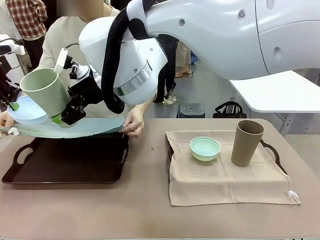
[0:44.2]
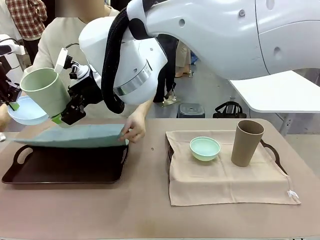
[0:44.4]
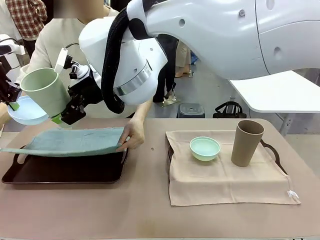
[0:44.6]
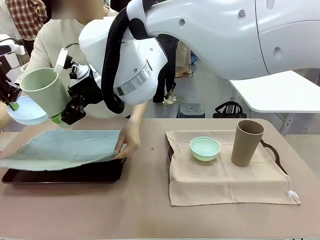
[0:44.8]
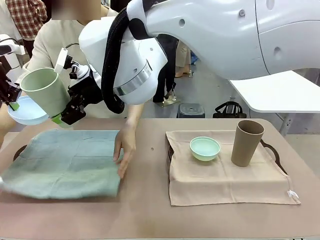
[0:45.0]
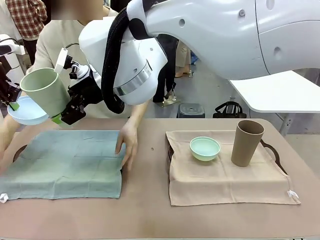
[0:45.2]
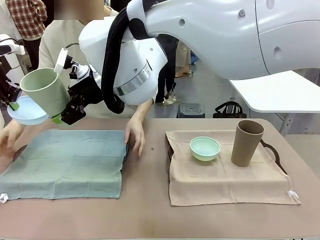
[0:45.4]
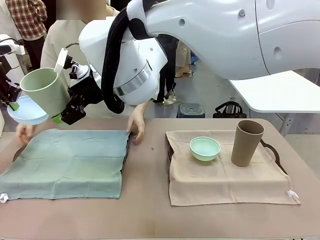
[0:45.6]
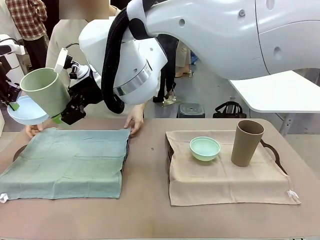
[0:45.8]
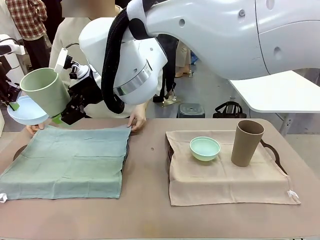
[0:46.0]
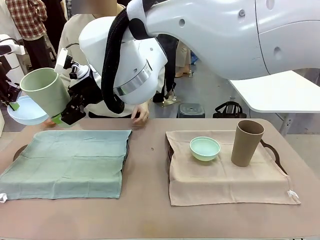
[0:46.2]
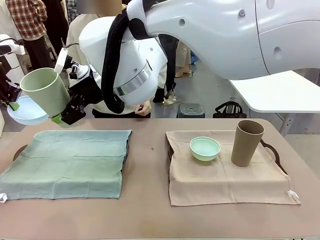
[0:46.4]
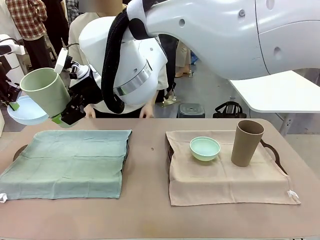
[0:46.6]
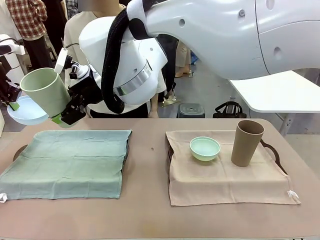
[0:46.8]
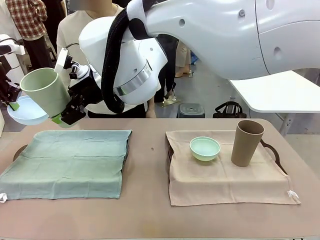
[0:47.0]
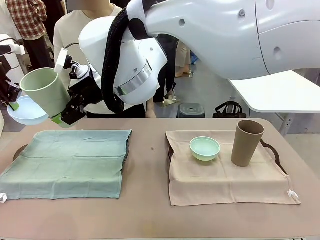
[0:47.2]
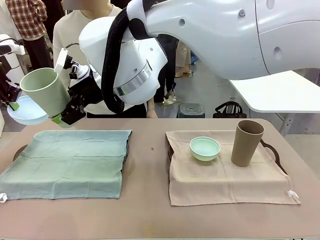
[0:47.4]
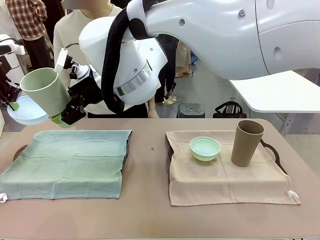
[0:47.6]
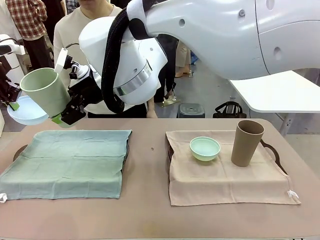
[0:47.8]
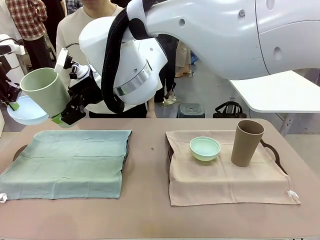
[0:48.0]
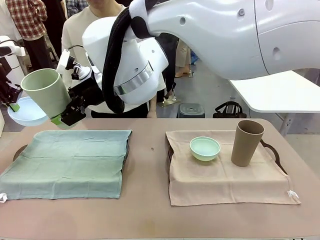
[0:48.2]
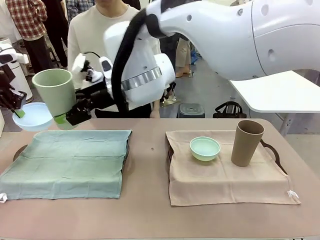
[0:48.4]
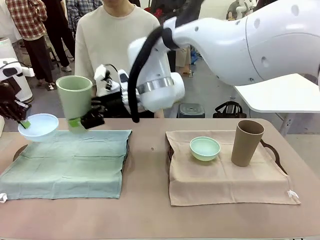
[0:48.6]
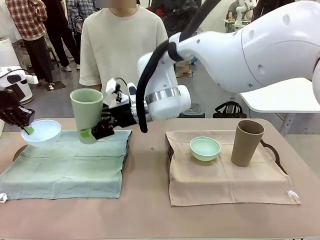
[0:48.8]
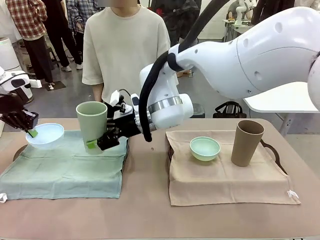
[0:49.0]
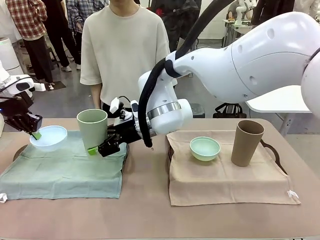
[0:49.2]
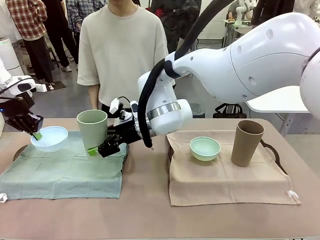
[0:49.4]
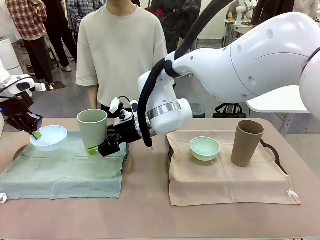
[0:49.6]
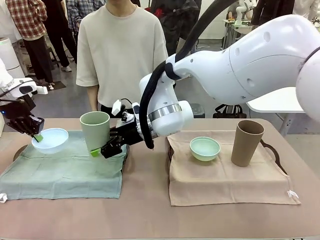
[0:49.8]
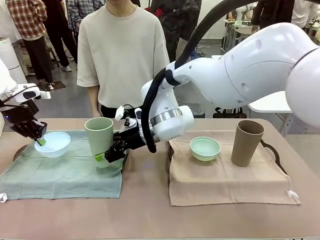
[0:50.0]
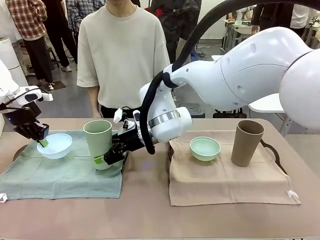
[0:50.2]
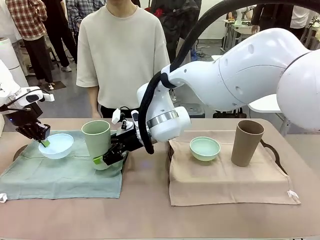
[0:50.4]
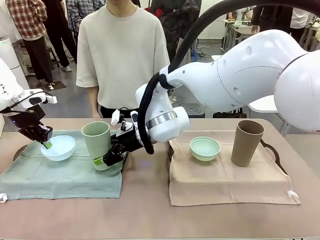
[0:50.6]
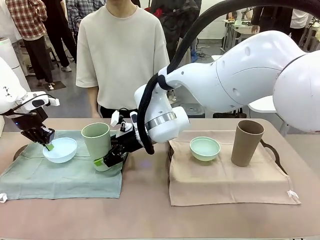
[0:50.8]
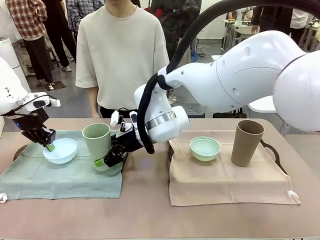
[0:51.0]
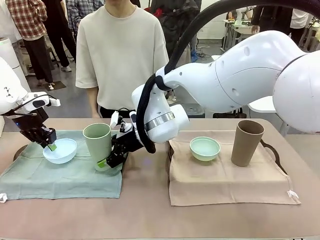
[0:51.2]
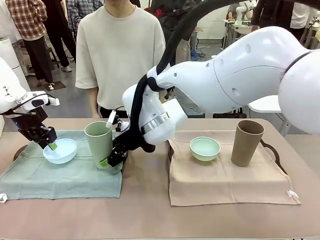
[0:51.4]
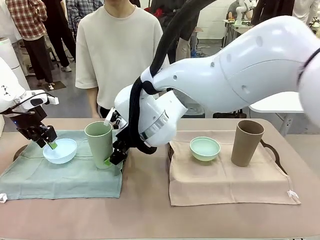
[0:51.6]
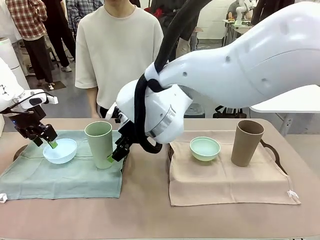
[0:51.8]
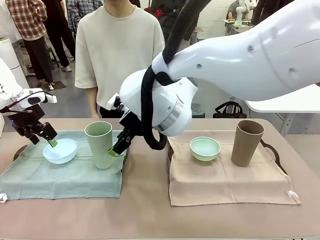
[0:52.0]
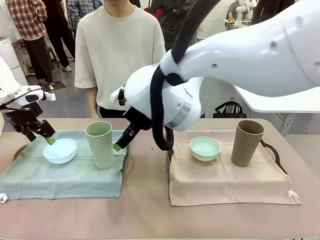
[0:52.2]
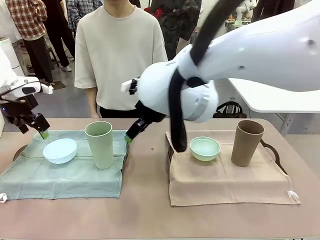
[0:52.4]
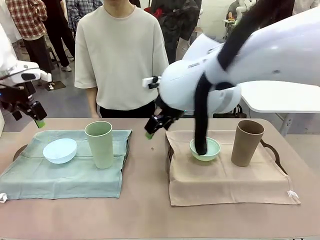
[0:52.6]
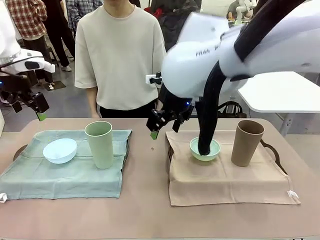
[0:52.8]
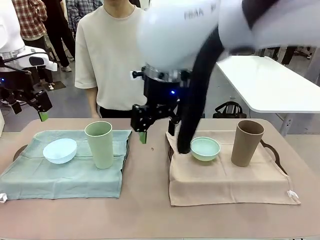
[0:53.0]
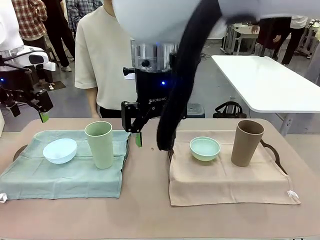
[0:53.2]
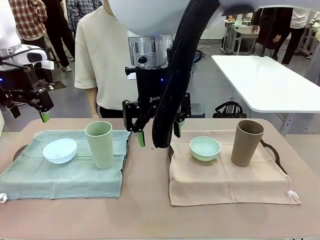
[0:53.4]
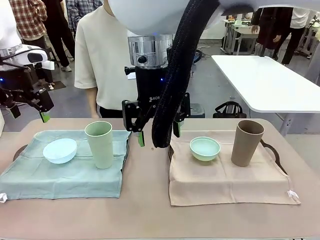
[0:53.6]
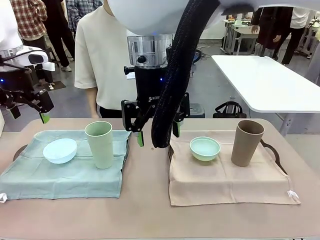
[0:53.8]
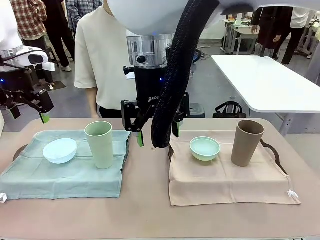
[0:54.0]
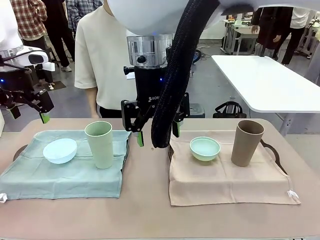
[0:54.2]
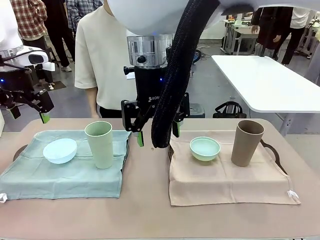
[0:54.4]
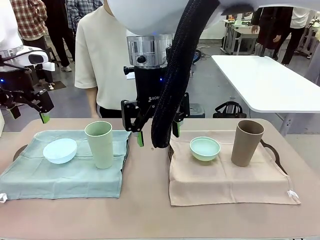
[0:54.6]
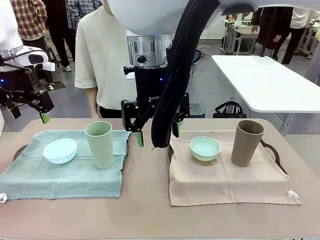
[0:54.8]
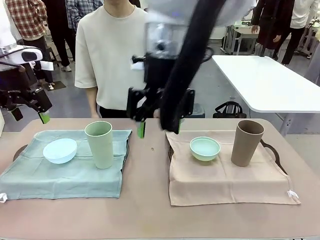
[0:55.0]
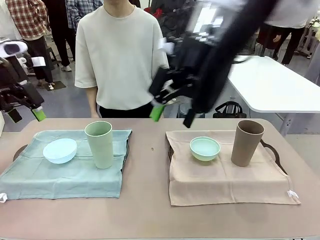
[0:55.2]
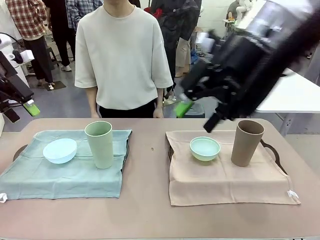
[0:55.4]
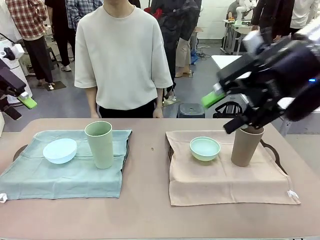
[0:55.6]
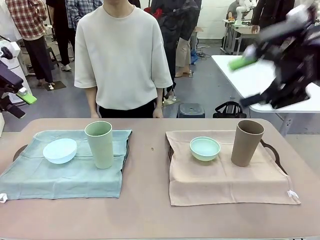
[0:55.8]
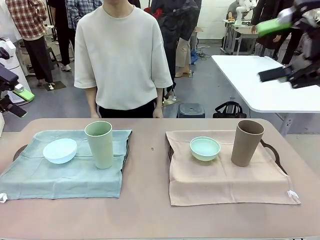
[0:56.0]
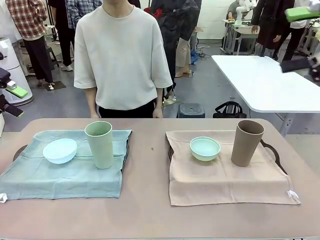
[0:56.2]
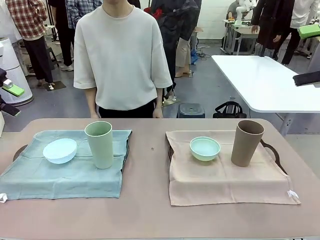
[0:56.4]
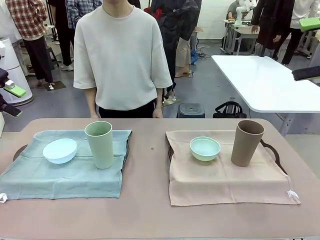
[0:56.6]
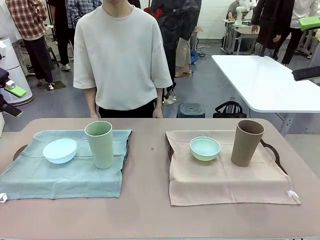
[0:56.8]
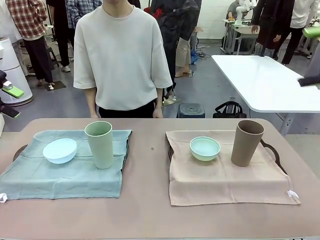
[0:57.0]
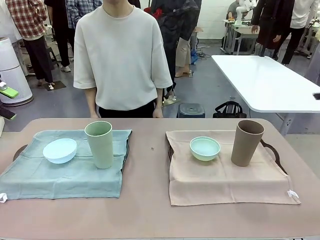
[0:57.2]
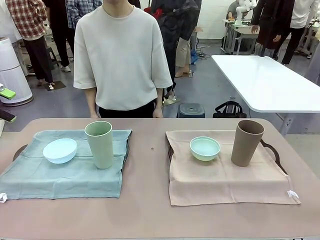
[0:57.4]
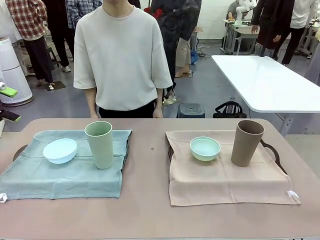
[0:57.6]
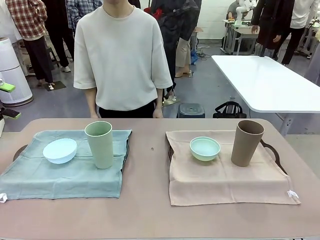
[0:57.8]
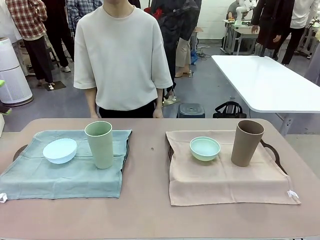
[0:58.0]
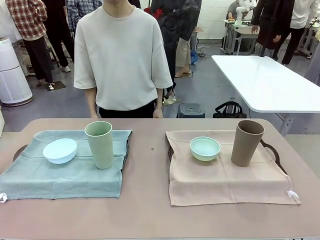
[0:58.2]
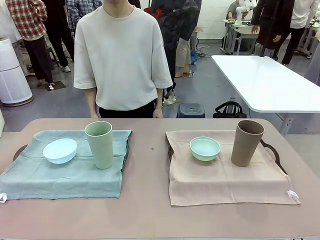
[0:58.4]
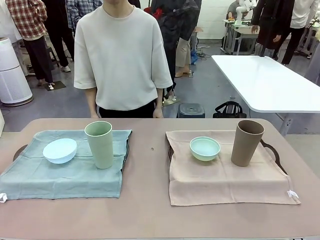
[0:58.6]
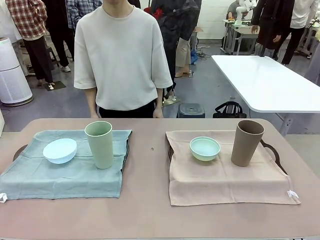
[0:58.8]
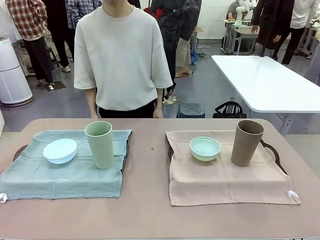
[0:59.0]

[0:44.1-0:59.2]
Robot: Place the Picnic Bowl and Reusable plastic cup back onto the Handle tray in front of the human's position.
Person: When the robot lifts the bowl and the cup, the human unfolds the napkin and lays the napkin flat on the tray.
